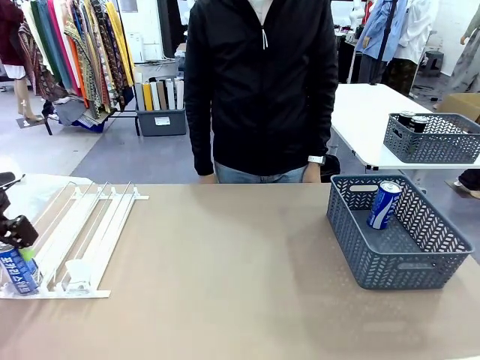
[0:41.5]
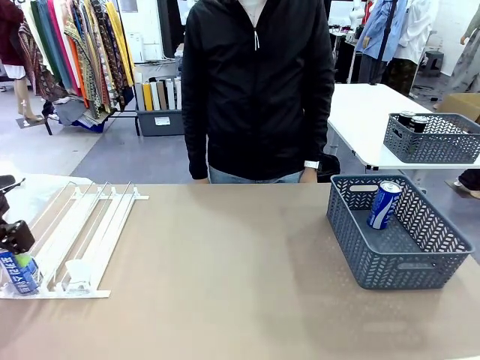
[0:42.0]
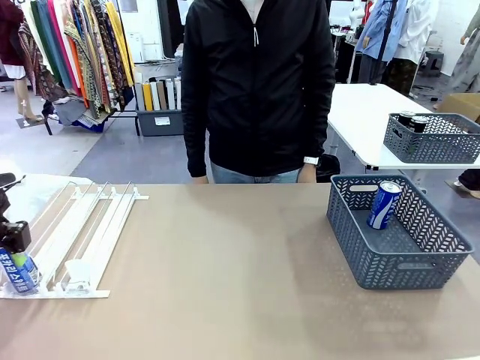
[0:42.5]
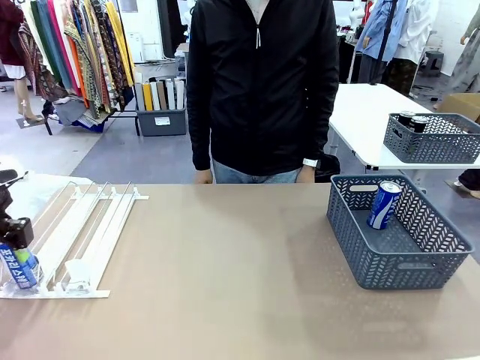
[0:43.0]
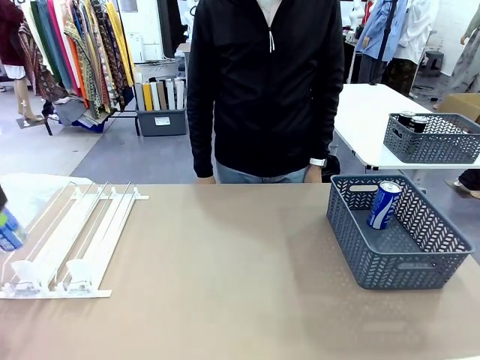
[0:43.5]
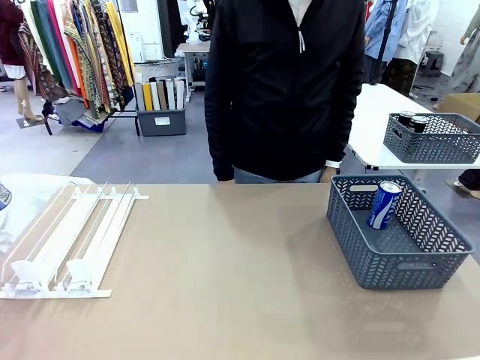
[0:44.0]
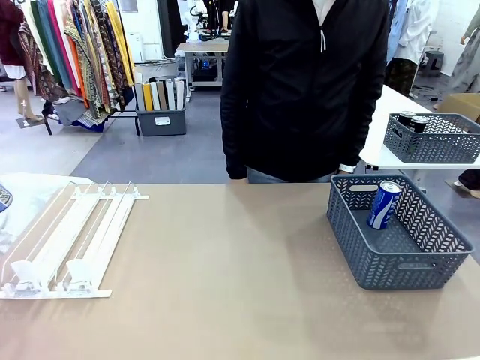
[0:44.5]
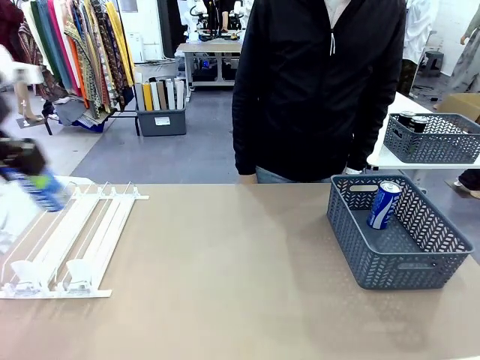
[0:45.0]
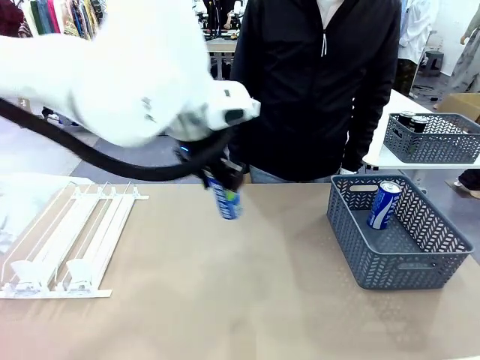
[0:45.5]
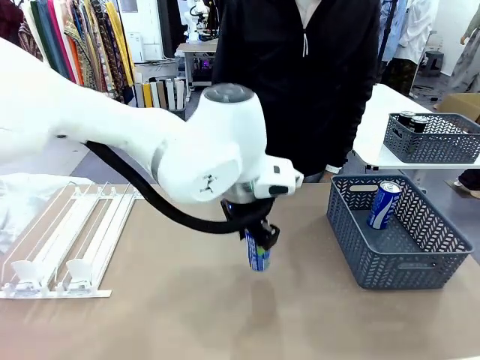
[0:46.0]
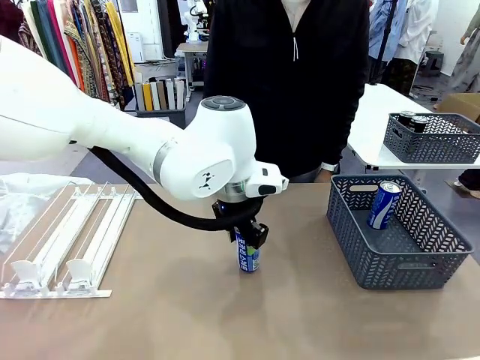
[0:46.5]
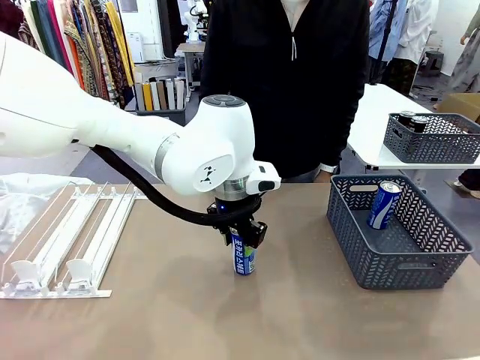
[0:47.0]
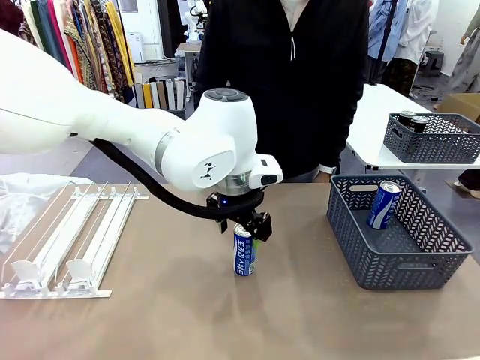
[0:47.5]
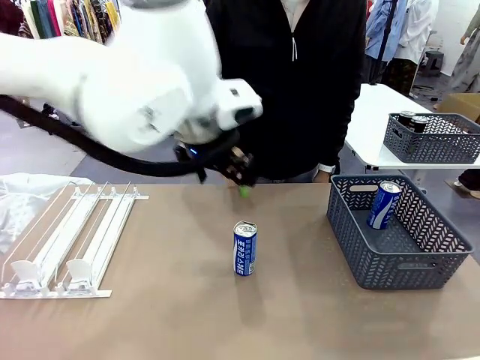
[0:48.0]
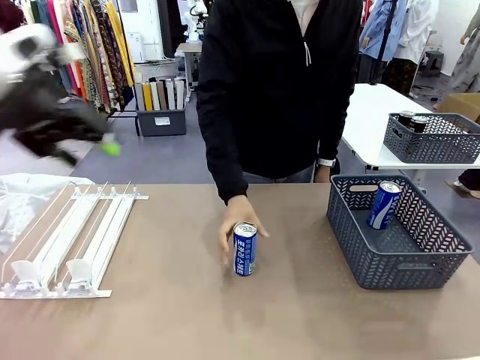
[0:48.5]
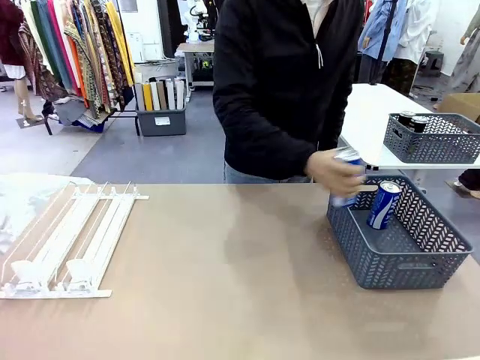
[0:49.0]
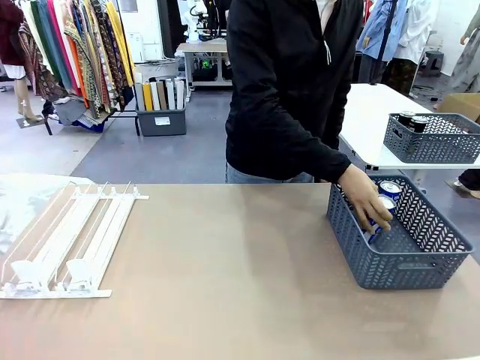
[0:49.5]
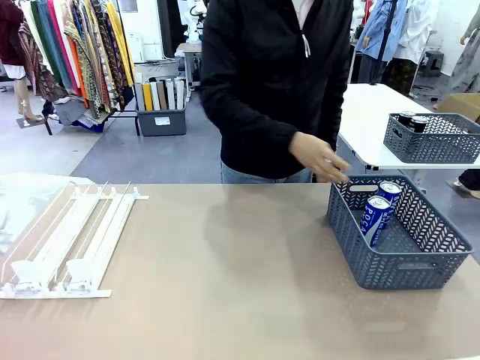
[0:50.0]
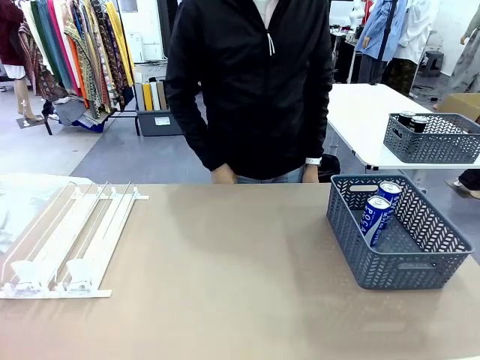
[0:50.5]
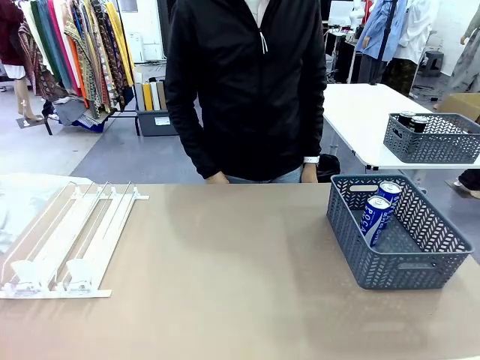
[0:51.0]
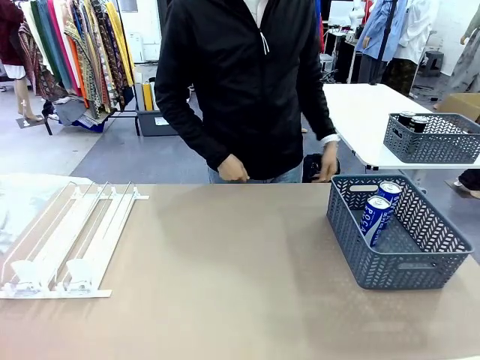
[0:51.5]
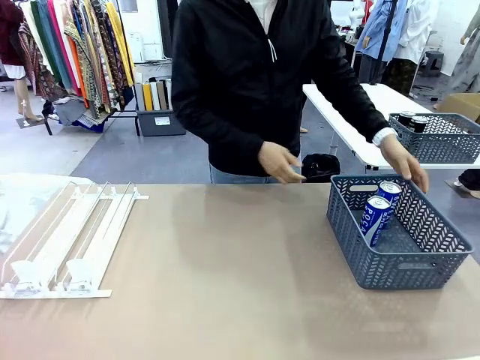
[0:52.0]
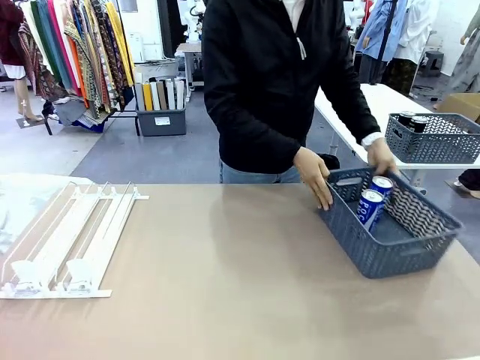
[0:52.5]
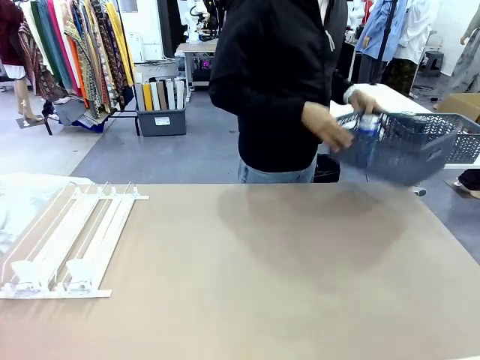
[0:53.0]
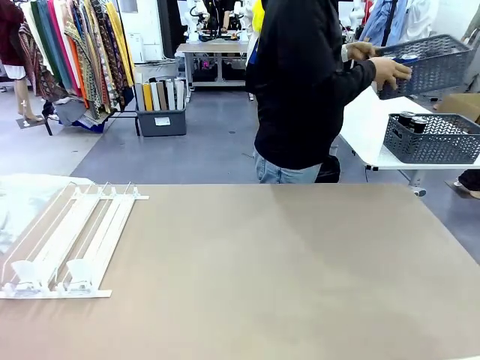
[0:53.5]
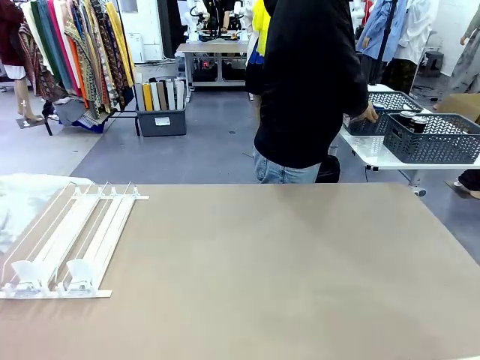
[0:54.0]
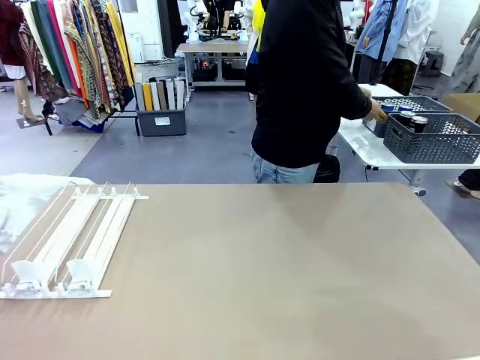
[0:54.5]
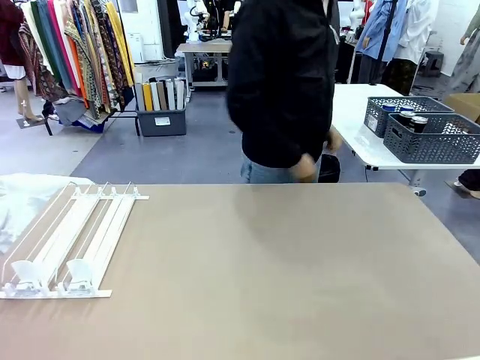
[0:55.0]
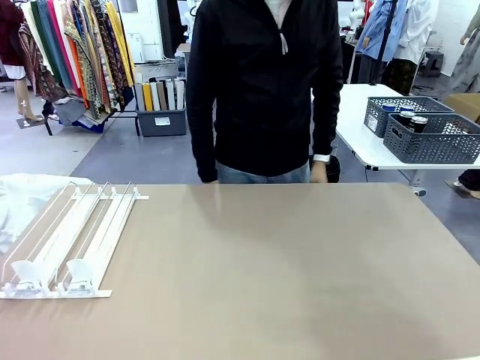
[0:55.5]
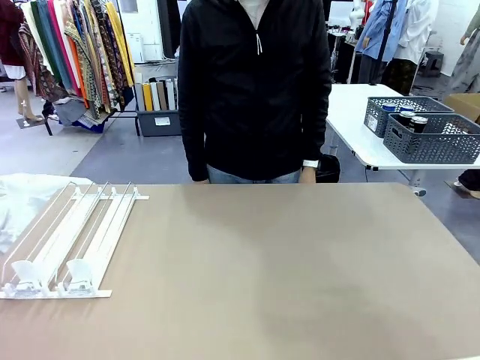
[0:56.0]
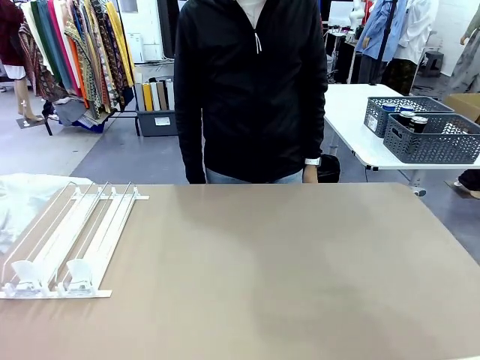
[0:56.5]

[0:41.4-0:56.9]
Task: Retrieve and store the cans from the dispenser.
Robot: Pick up one can from the Automatic Can Dispenser and place it in the middle of the table.
Person: Pick up one sports drink can from the middle of the robot table and place it in the basket. Pick up the basket and place it in the middle of the human table.

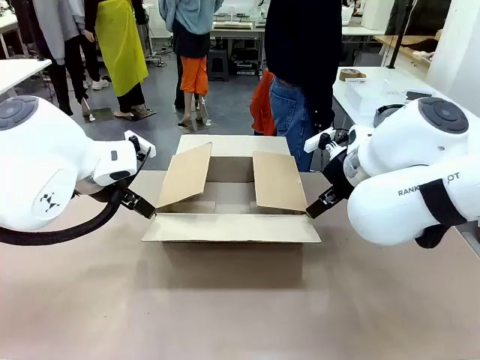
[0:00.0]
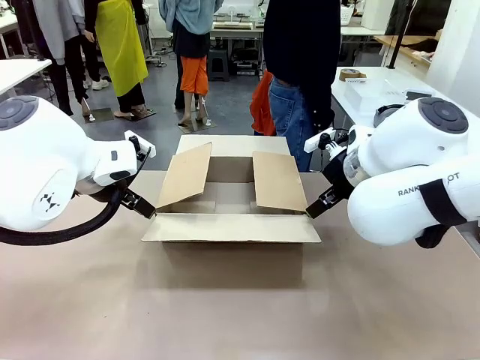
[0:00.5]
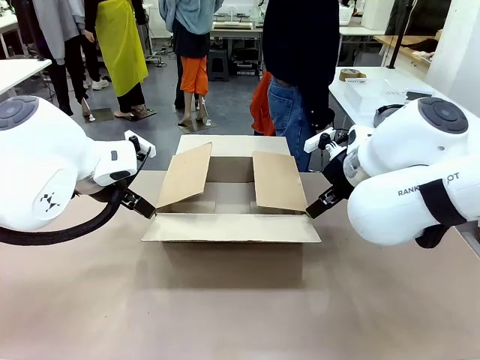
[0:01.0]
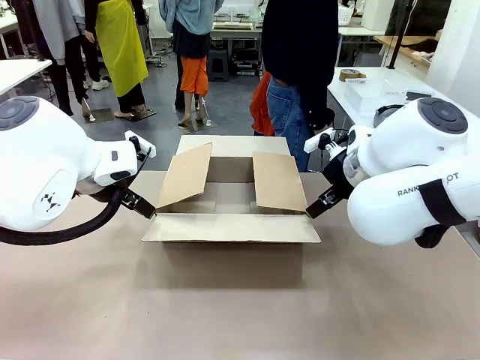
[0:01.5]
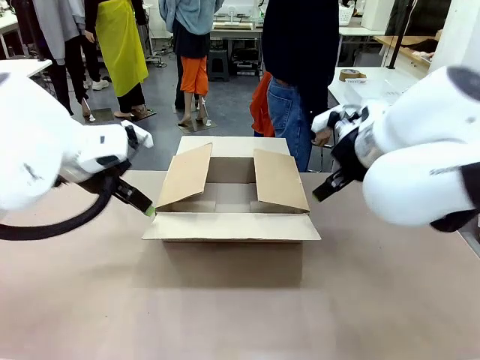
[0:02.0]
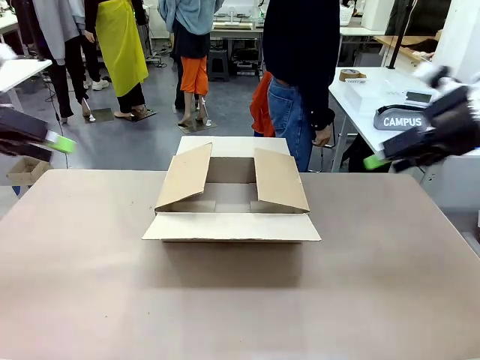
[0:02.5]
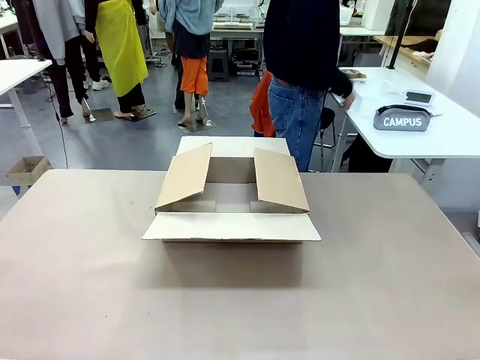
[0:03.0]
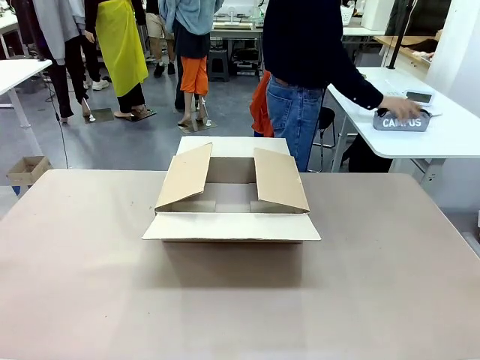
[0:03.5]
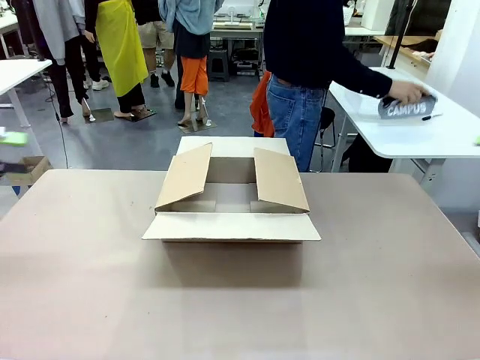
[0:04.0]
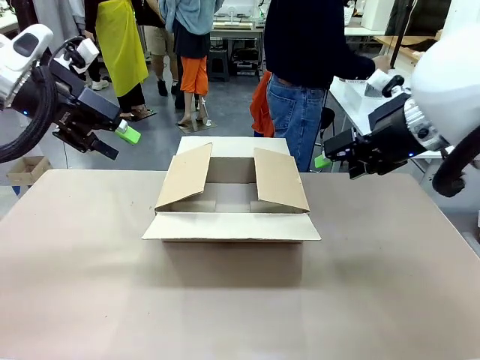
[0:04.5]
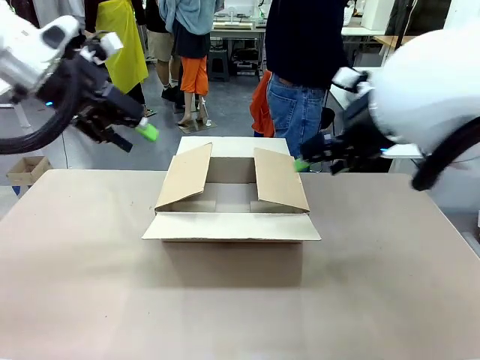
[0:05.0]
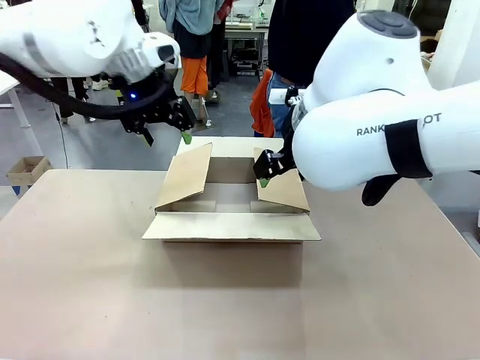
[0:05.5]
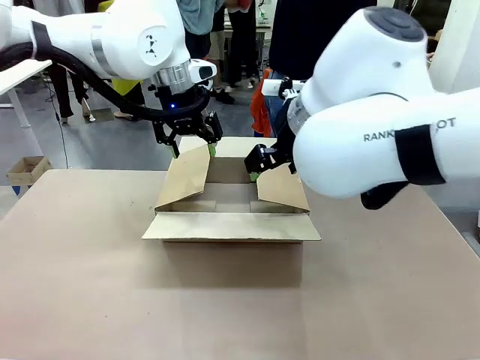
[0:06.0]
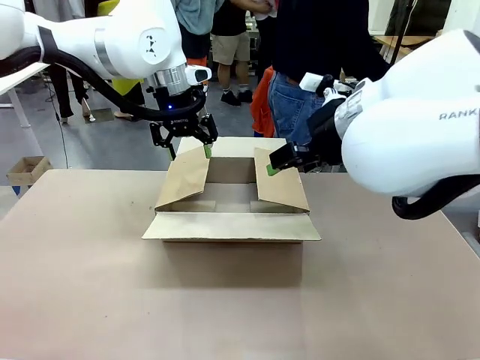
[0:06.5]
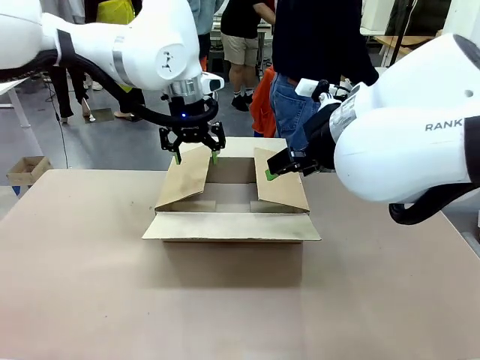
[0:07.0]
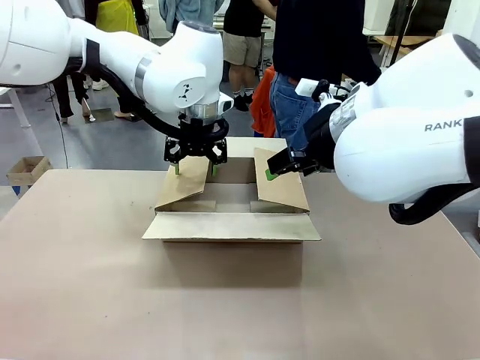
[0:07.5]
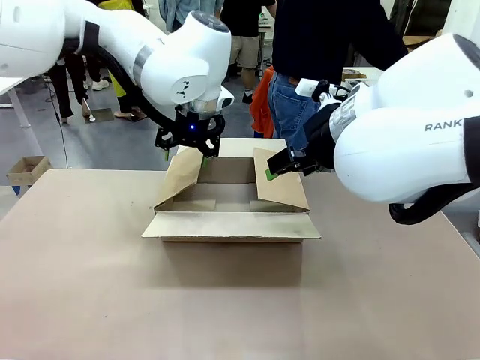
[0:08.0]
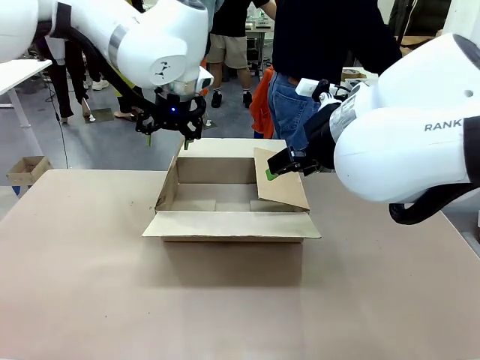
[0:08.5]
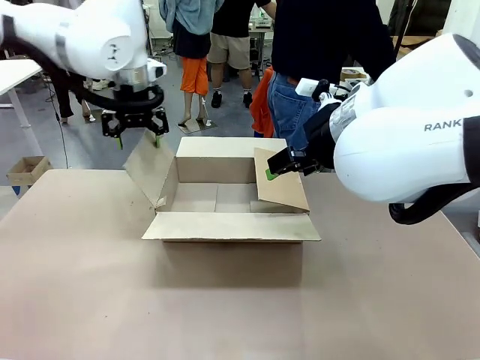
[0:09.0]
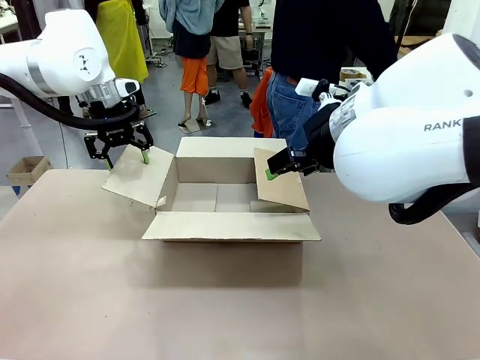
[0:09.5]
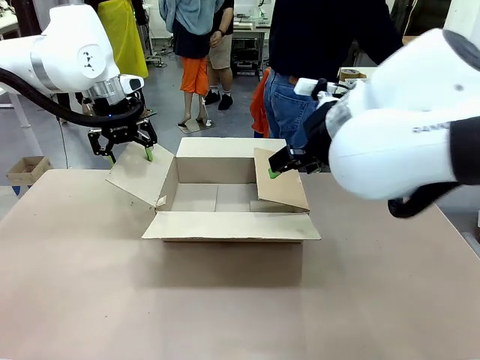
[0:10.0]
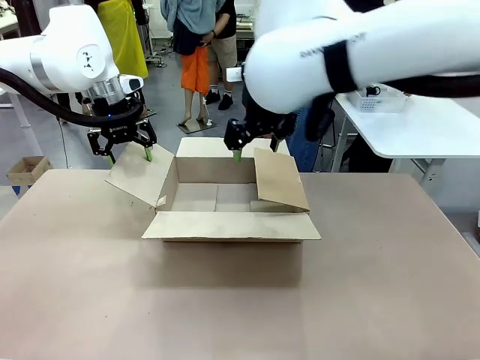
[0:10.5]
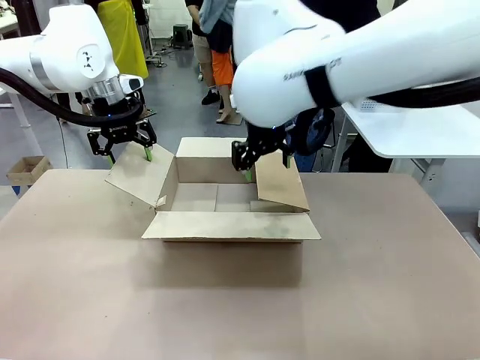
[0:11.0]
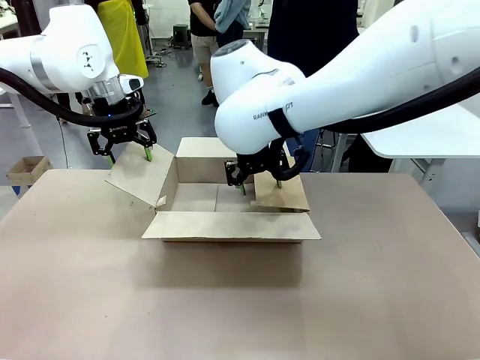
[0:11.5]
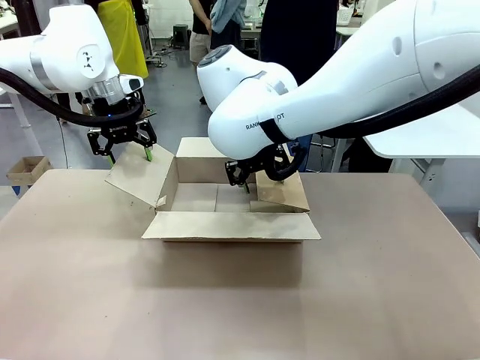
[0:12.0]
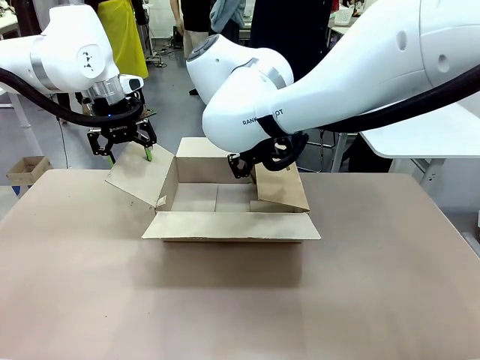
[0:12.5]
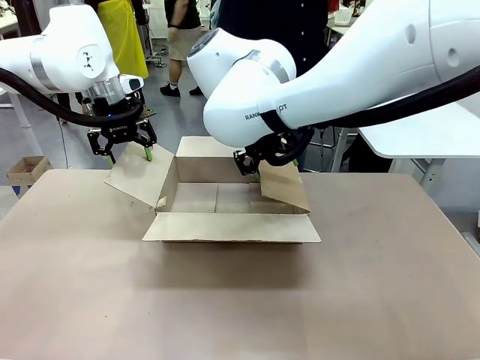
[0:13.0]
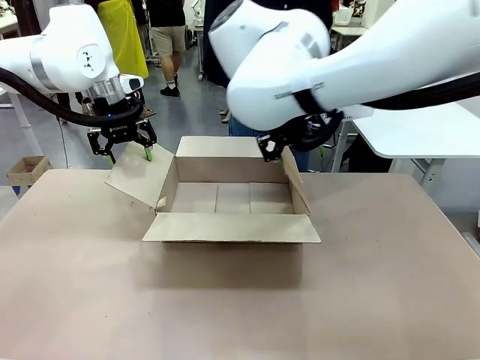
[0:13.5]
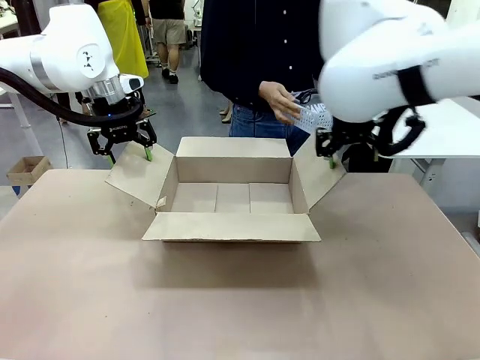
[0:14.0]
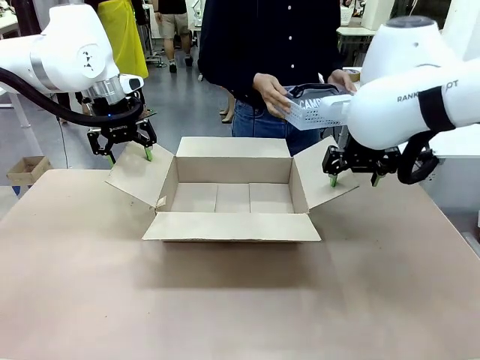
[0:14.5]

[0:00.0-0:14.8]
Task: Pack the gift set into the box.
Robot: Place both hands on the side flaps of the Package Box and spread them outward.
Person: The human places all items except the paper tape into the organizing basket.
